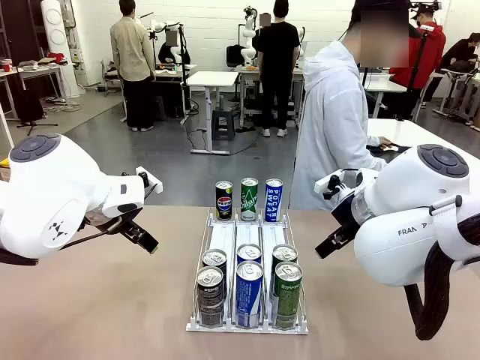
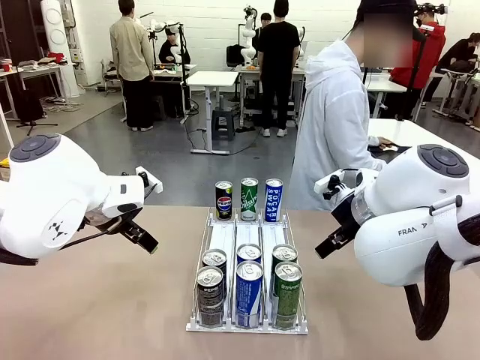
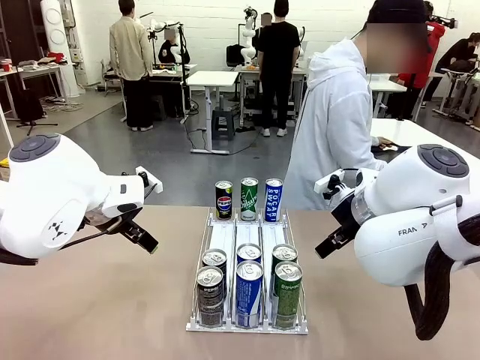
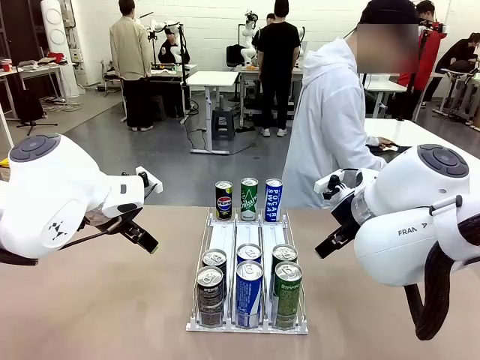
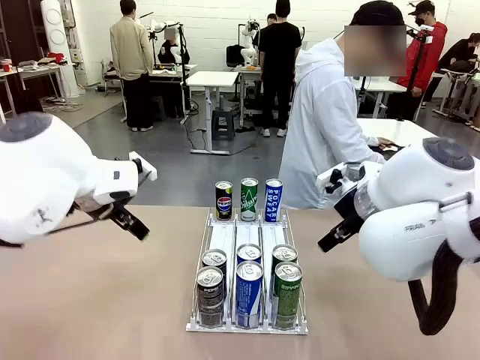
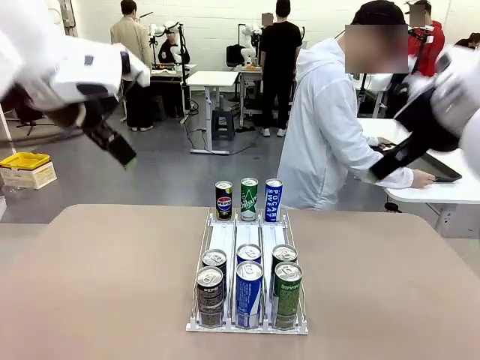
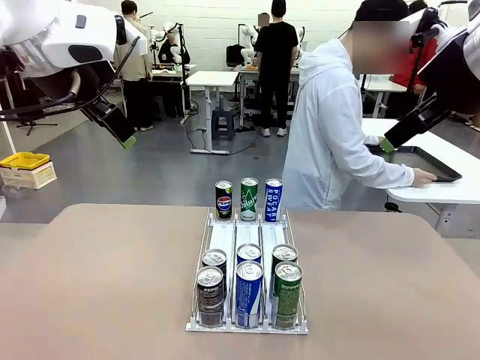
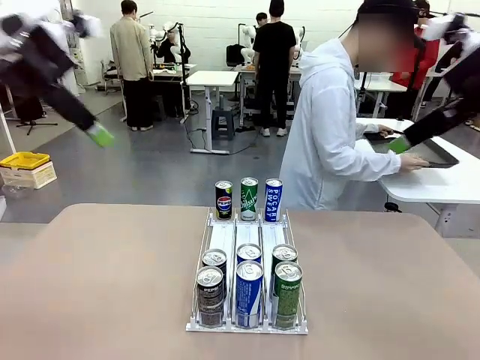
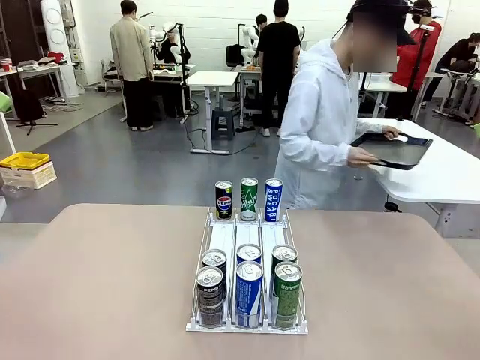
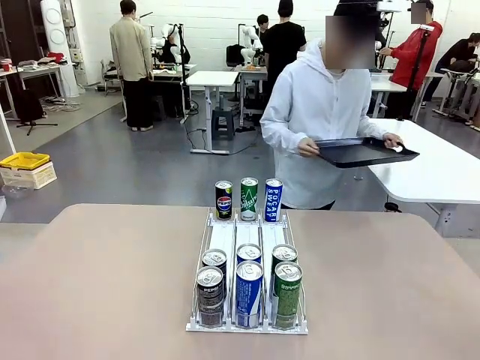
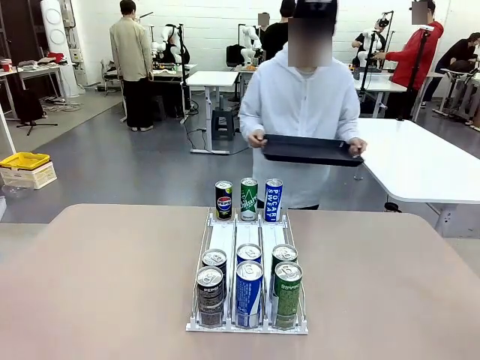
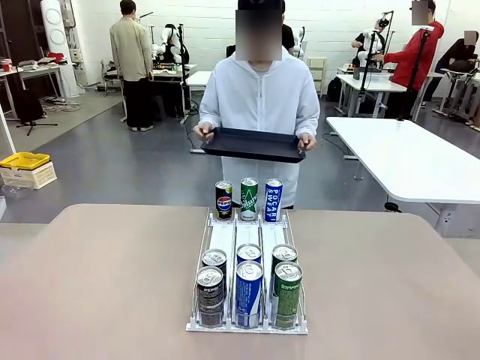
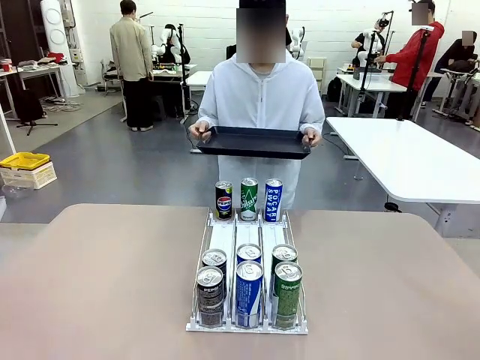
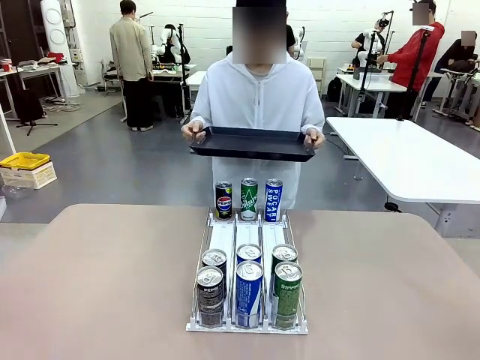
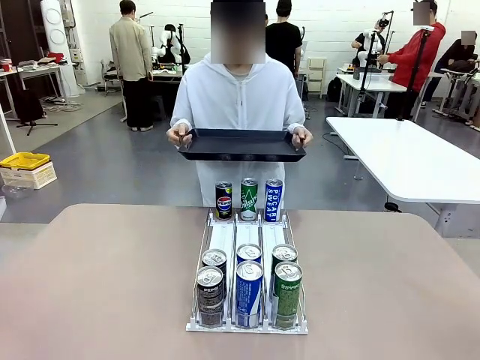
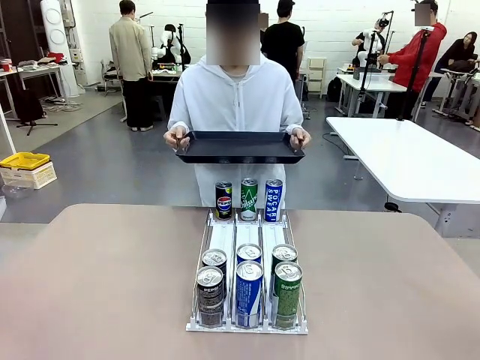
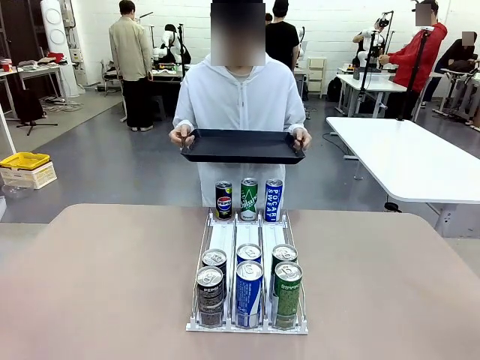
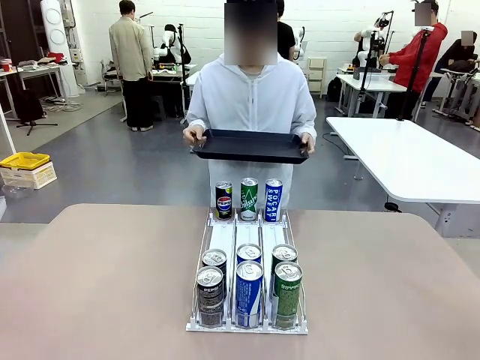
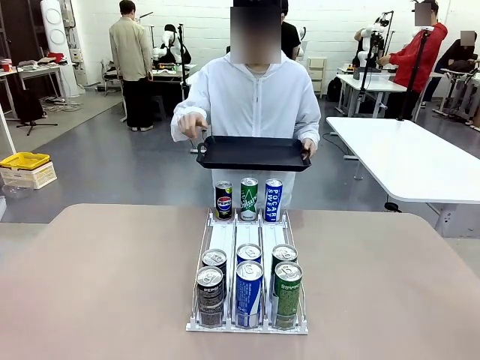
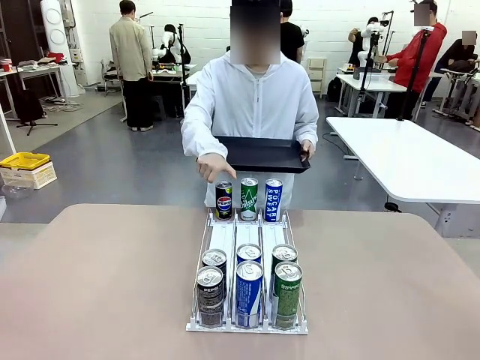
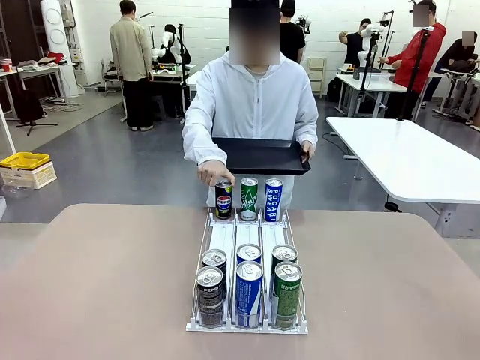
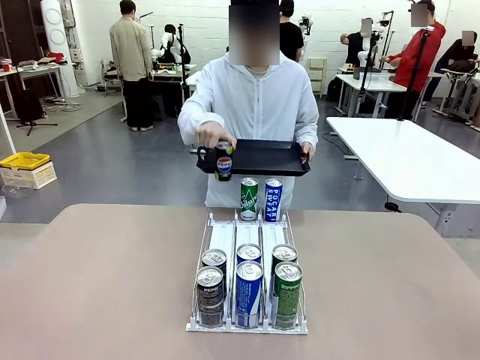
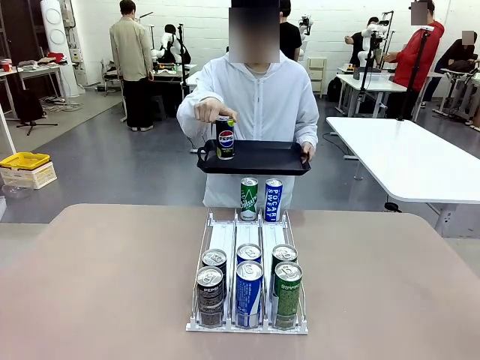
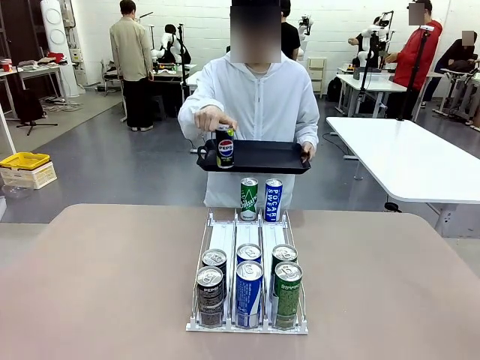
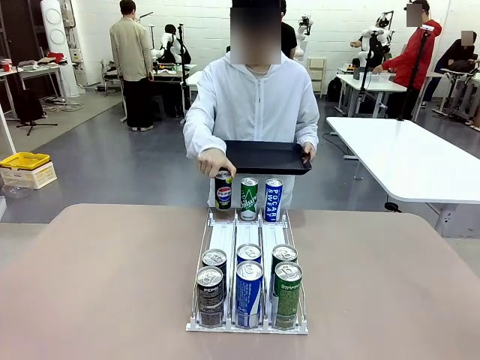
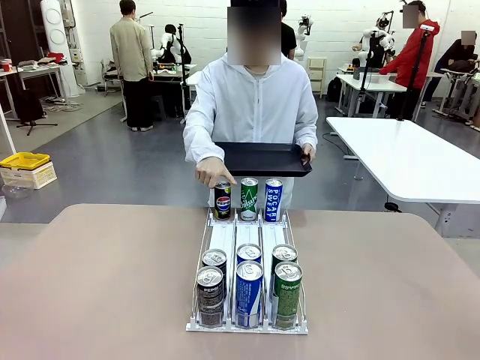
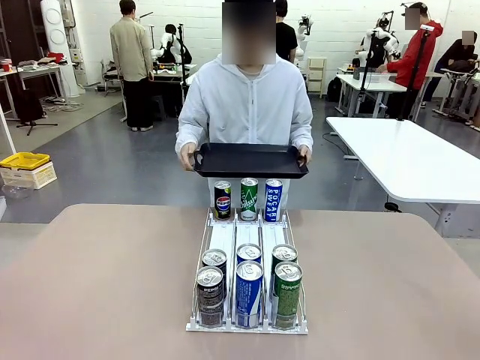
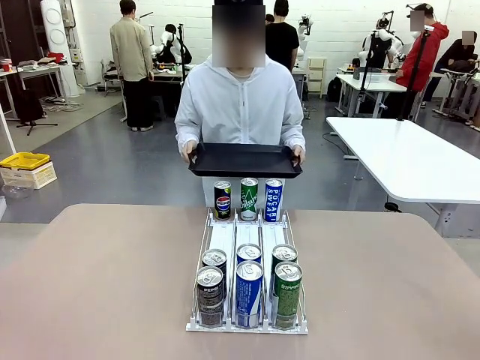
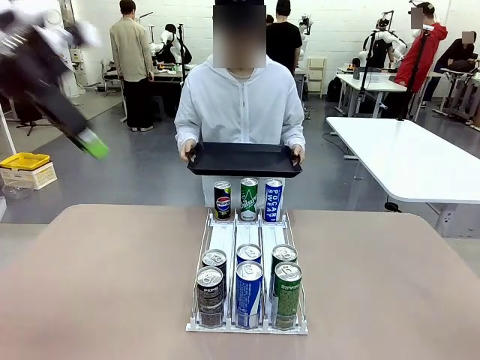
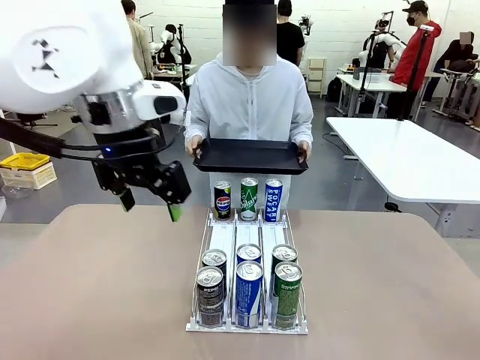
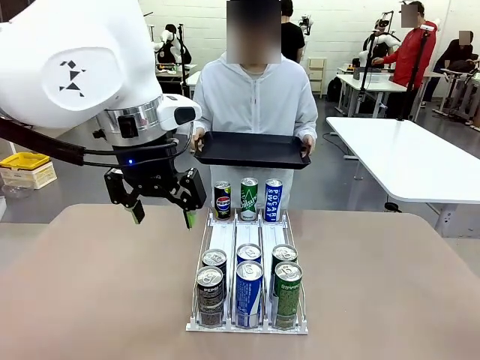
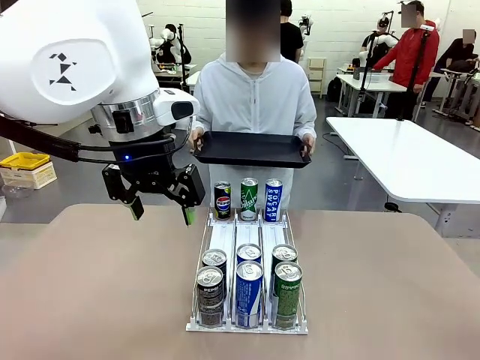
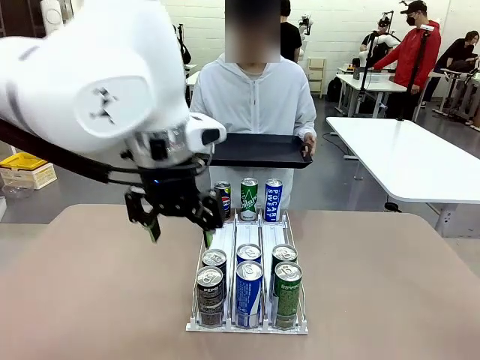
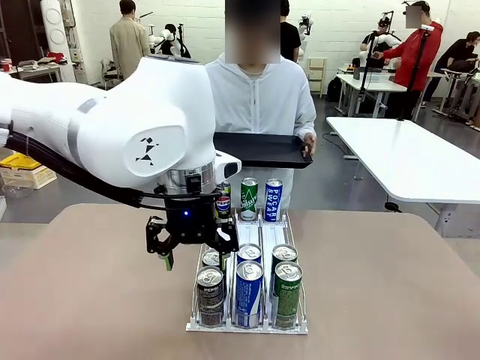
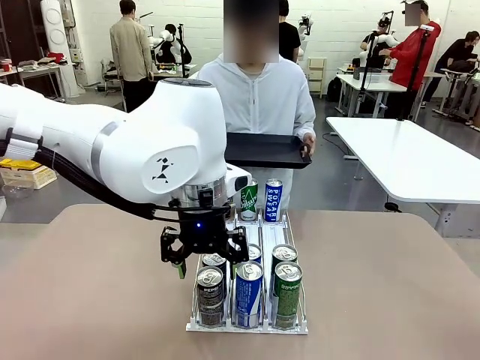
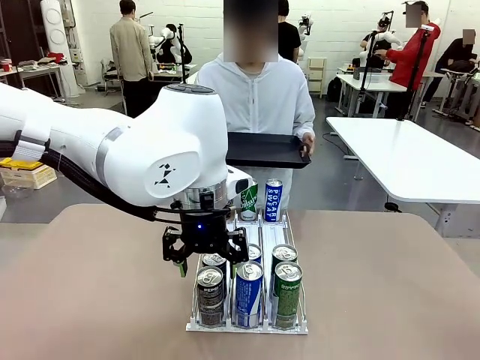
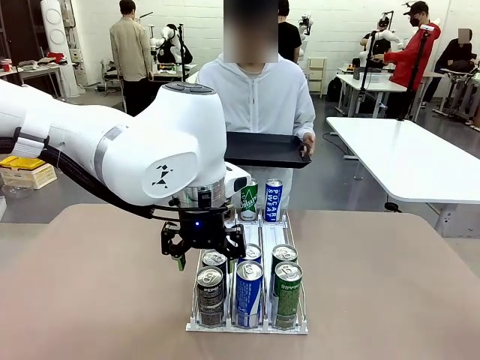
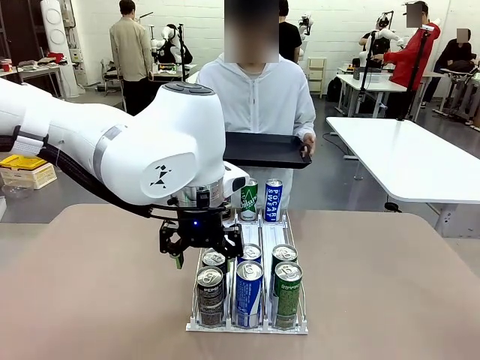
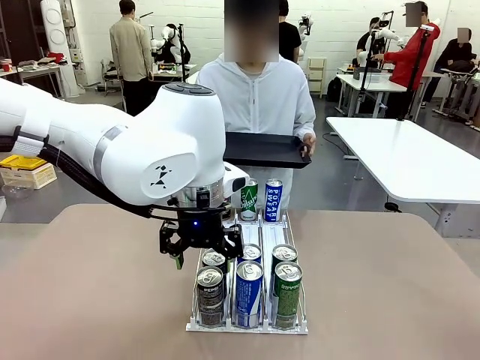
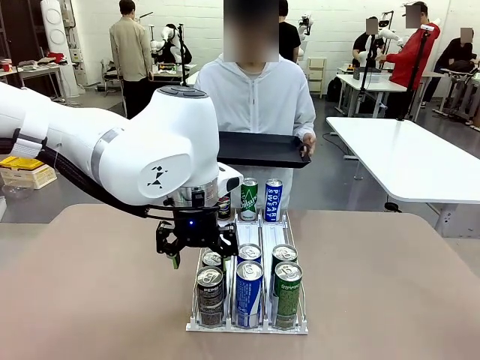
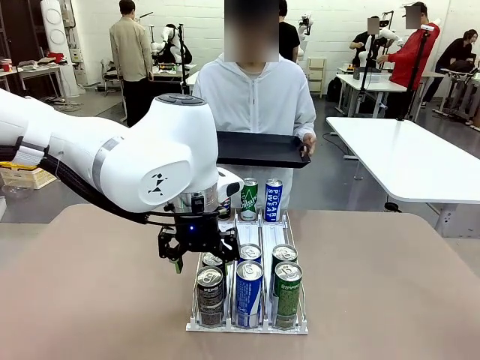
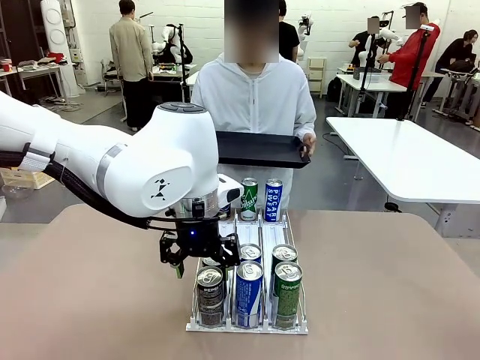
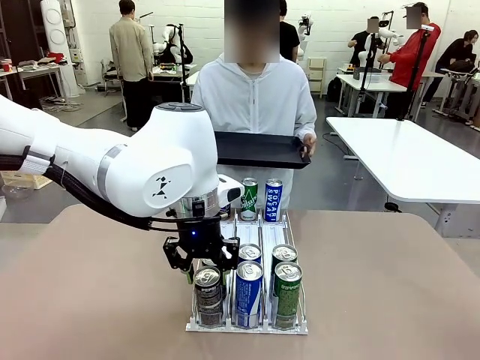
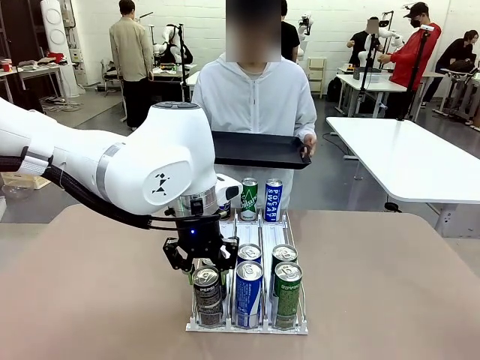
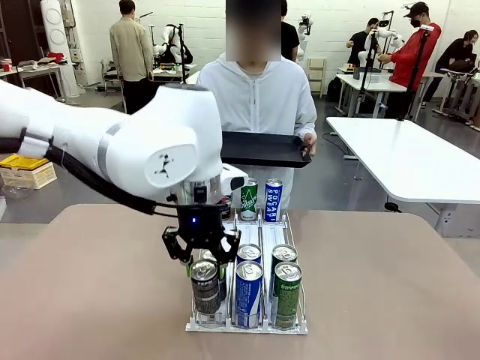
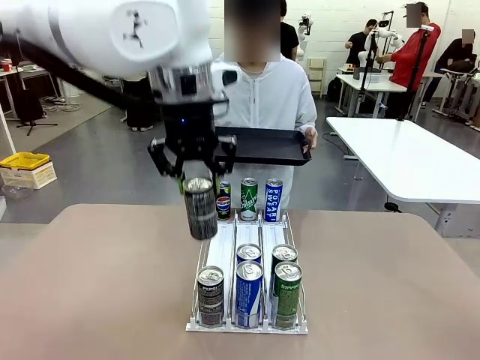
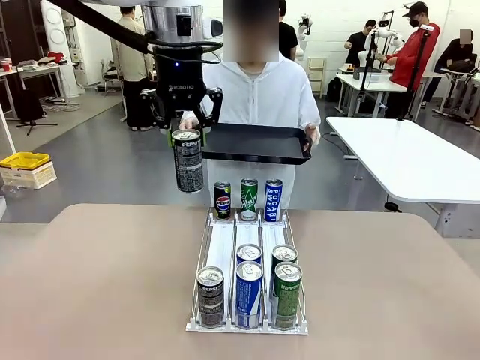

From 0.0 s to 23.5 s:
Task: Retrieve and hand over the desired beverage to the person.
Robot: Pick up a can of the same type that the person held from the Automatic Can Dispenser.
Person: Hold the tray and position yourself in front of the robot table. Pick up one can from the bottom area of the table and puts it back in its original place. Push the tray toward the robot.

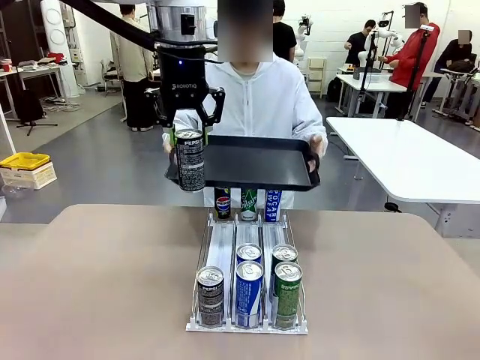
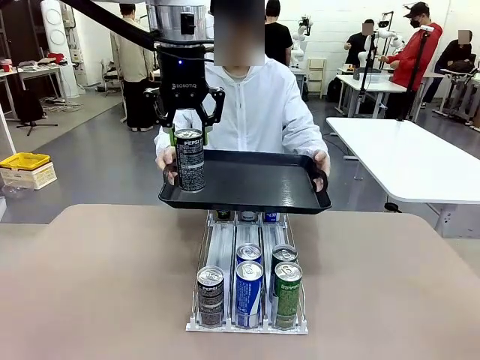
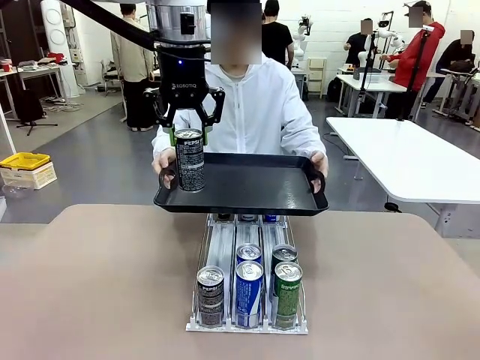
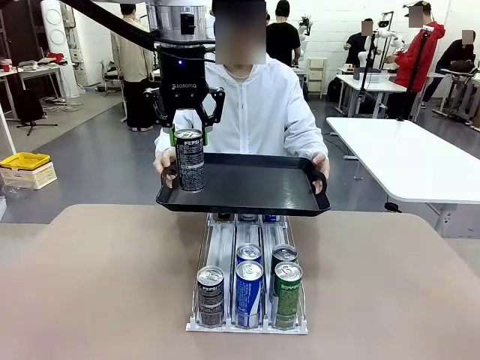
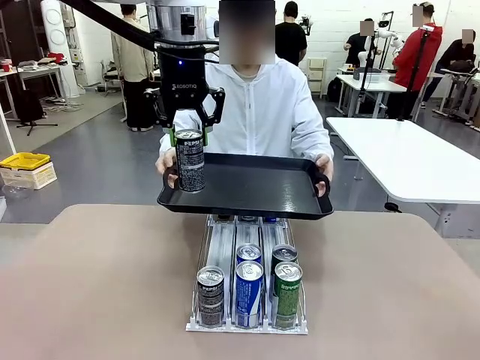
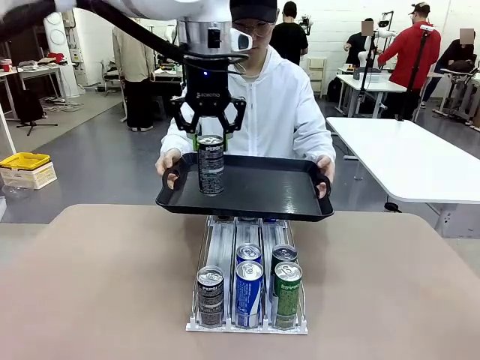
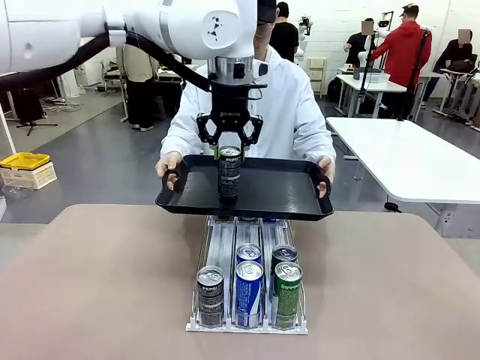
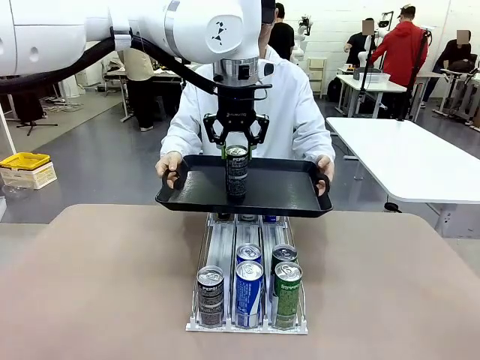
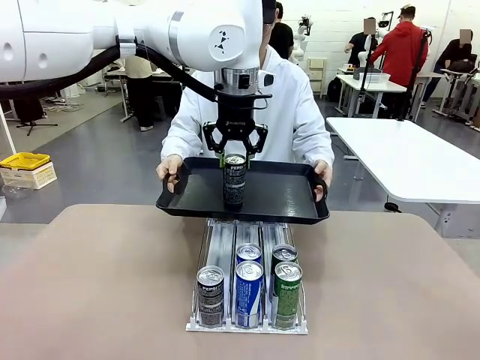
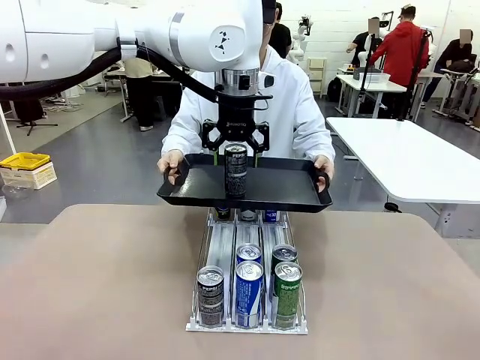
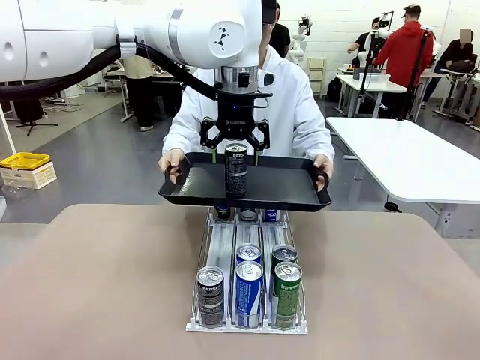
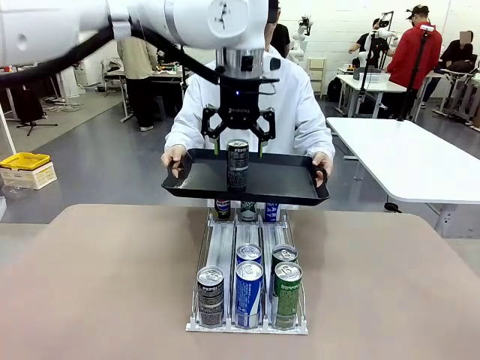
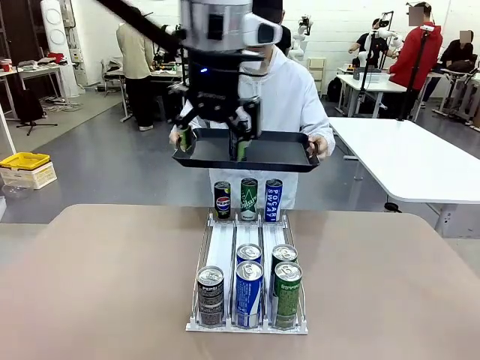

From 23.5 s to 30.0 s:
Robot: Place the picked can on the Handle tray extended by the person.
